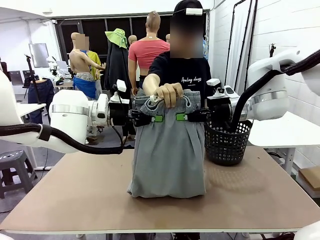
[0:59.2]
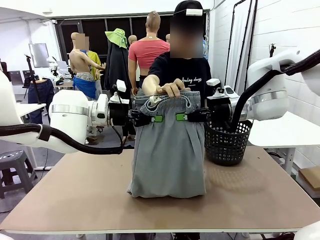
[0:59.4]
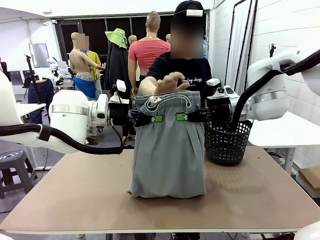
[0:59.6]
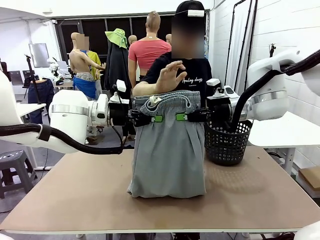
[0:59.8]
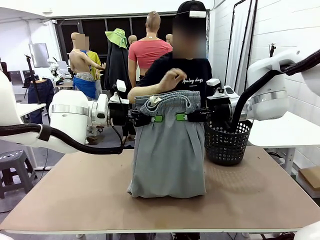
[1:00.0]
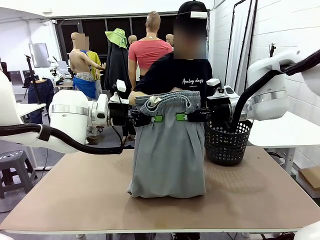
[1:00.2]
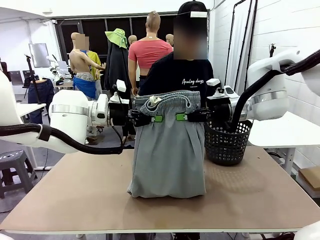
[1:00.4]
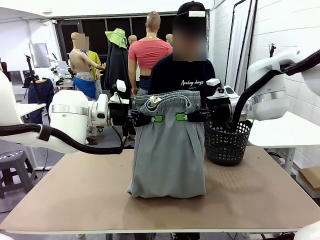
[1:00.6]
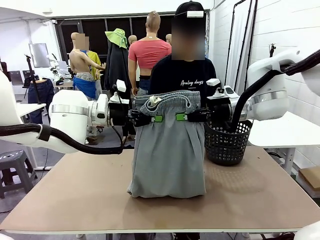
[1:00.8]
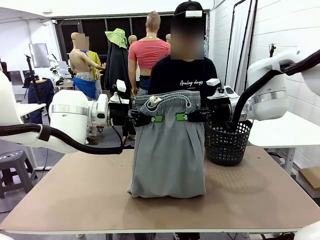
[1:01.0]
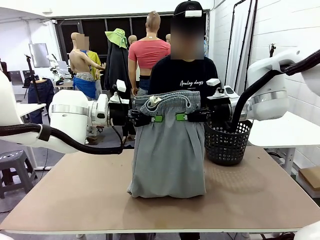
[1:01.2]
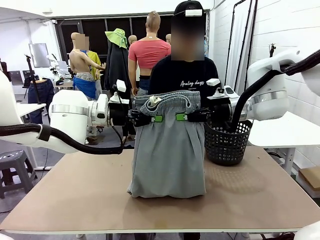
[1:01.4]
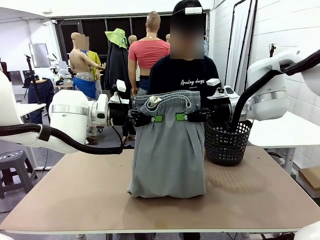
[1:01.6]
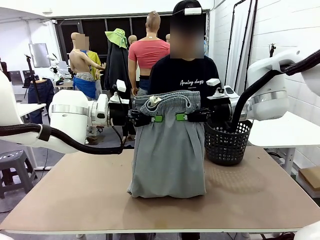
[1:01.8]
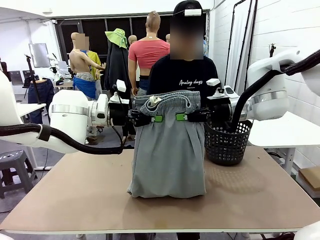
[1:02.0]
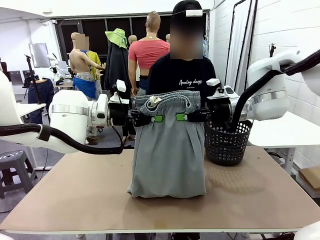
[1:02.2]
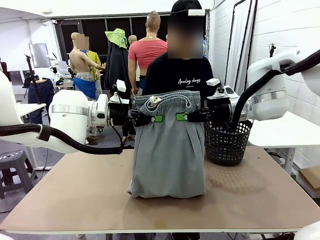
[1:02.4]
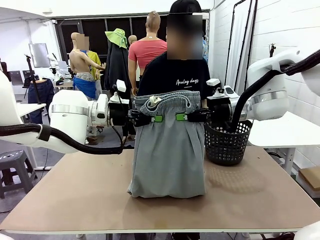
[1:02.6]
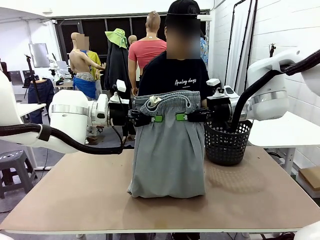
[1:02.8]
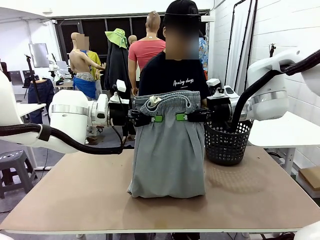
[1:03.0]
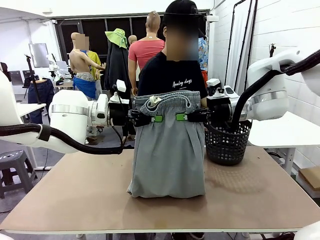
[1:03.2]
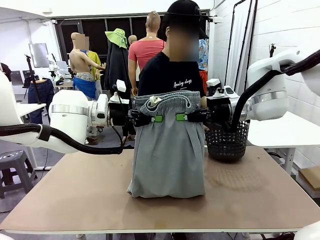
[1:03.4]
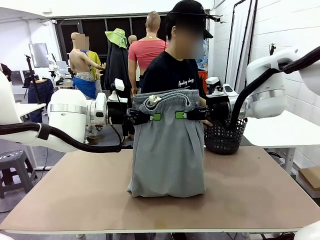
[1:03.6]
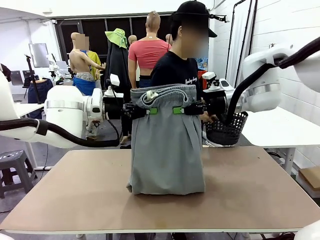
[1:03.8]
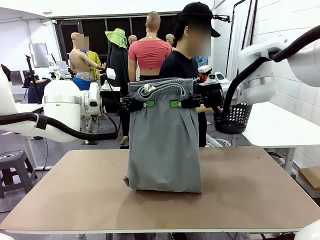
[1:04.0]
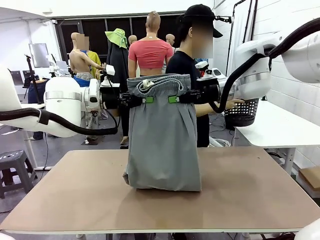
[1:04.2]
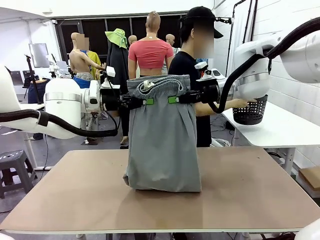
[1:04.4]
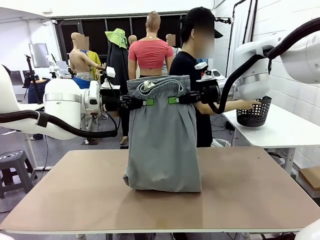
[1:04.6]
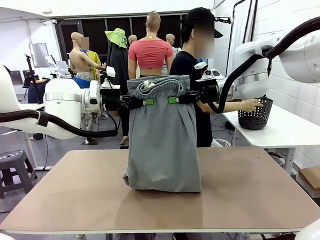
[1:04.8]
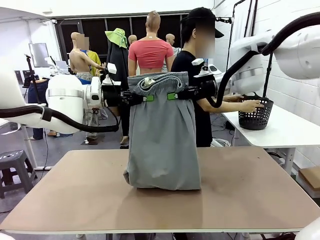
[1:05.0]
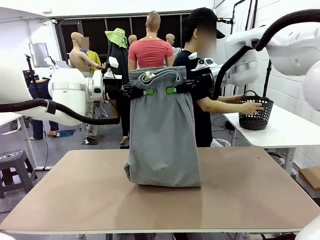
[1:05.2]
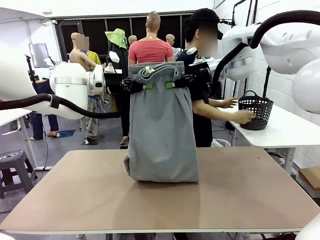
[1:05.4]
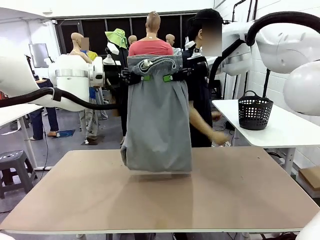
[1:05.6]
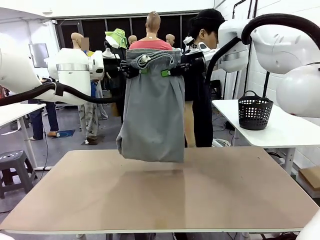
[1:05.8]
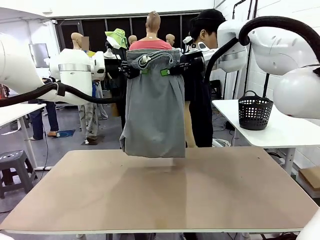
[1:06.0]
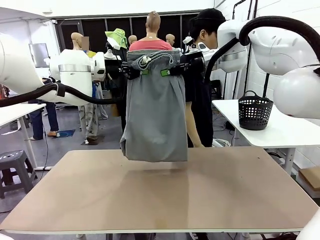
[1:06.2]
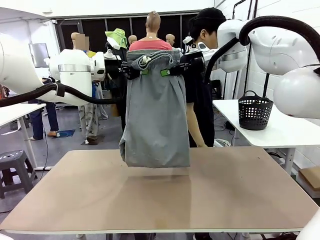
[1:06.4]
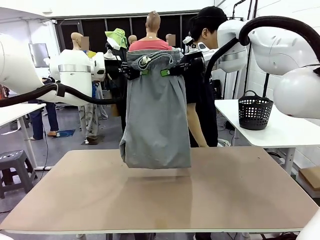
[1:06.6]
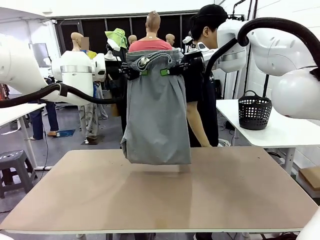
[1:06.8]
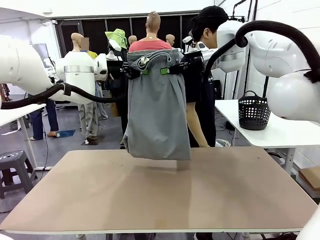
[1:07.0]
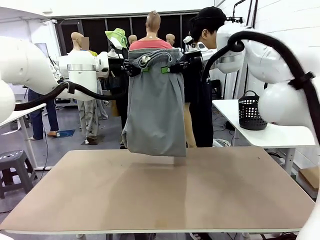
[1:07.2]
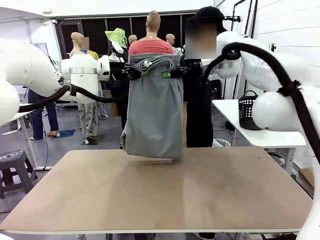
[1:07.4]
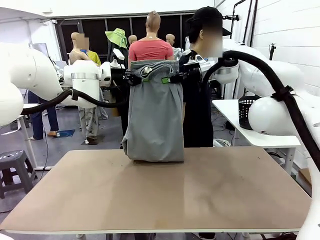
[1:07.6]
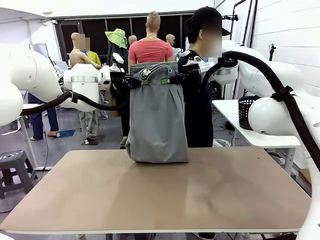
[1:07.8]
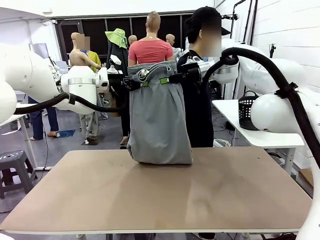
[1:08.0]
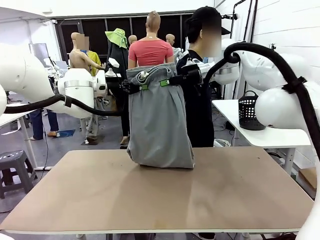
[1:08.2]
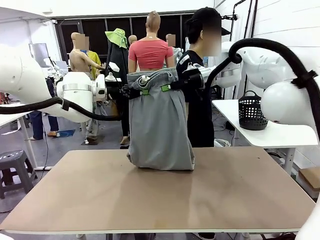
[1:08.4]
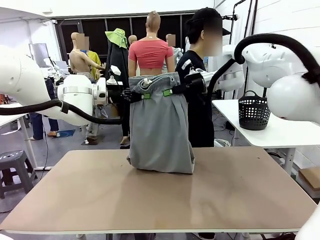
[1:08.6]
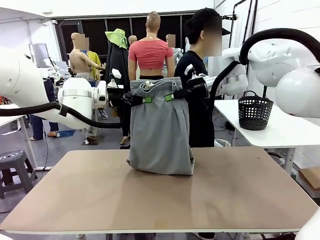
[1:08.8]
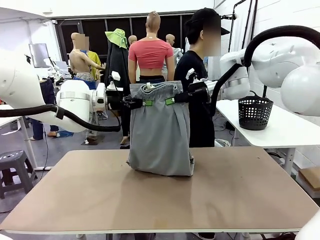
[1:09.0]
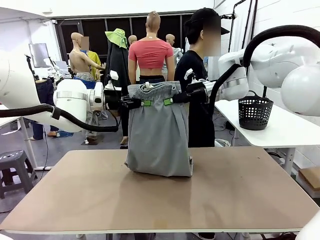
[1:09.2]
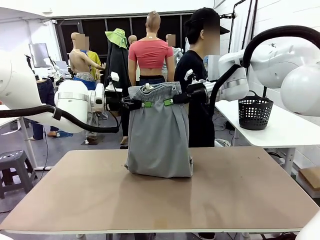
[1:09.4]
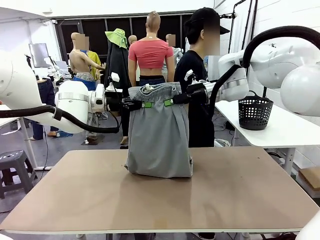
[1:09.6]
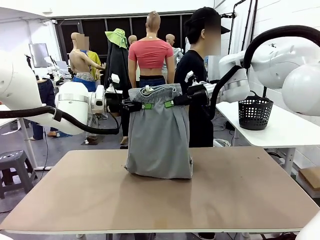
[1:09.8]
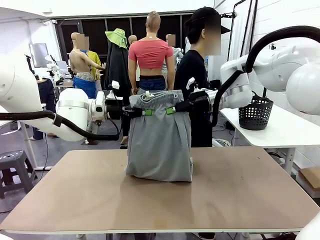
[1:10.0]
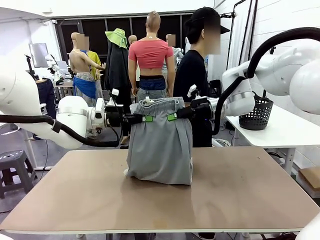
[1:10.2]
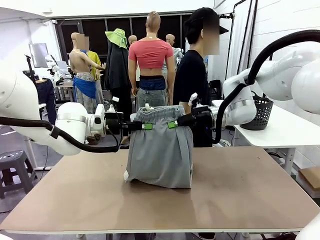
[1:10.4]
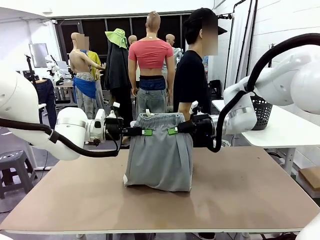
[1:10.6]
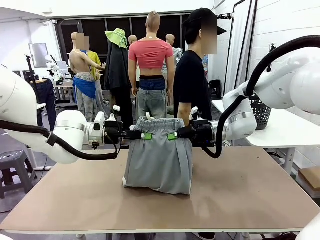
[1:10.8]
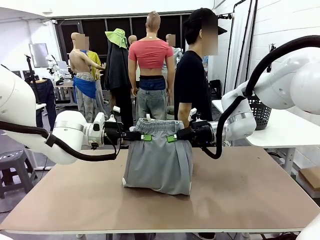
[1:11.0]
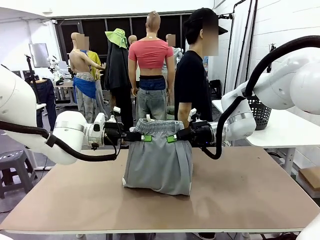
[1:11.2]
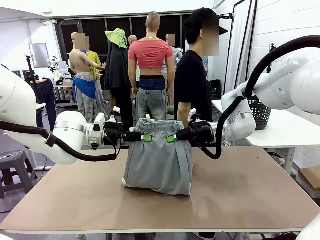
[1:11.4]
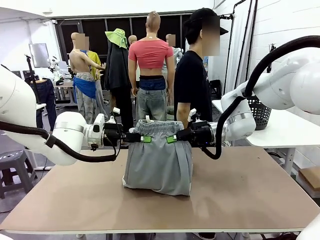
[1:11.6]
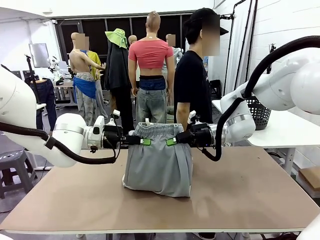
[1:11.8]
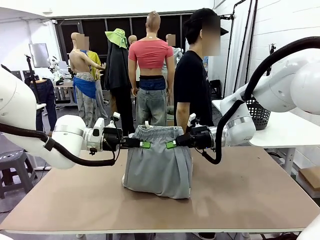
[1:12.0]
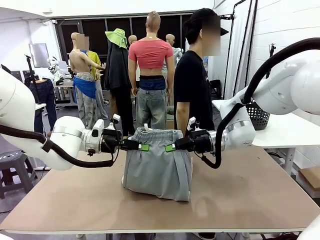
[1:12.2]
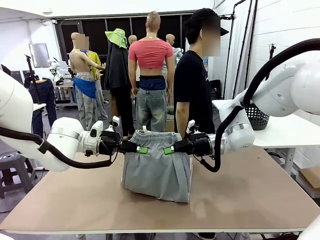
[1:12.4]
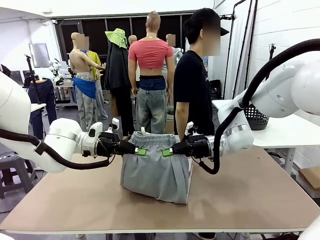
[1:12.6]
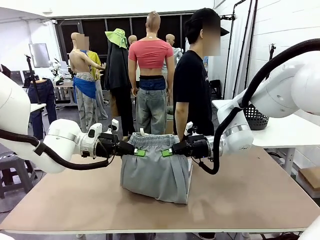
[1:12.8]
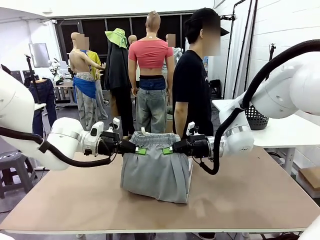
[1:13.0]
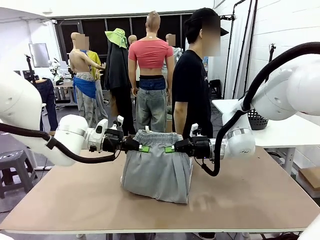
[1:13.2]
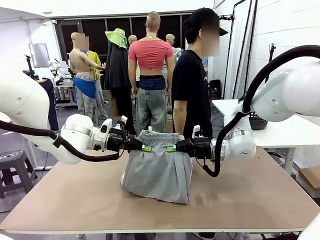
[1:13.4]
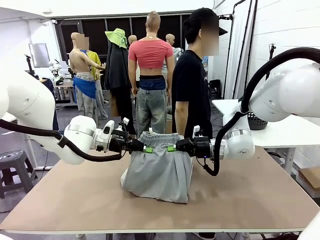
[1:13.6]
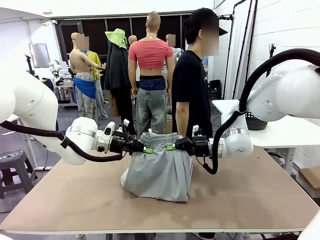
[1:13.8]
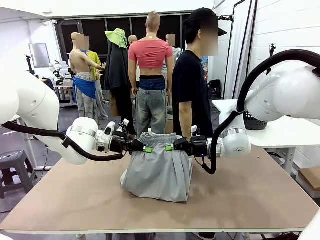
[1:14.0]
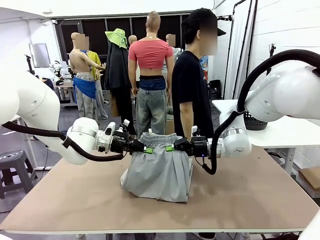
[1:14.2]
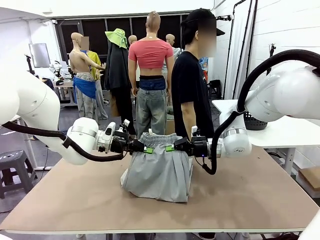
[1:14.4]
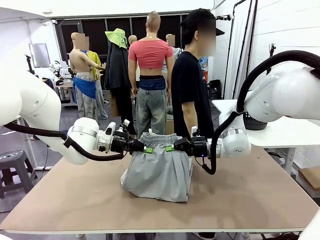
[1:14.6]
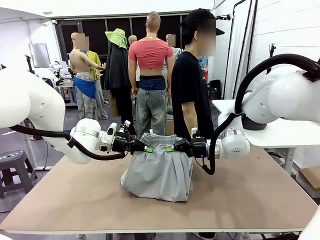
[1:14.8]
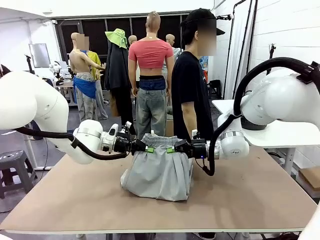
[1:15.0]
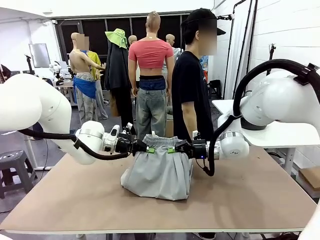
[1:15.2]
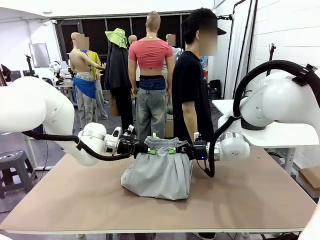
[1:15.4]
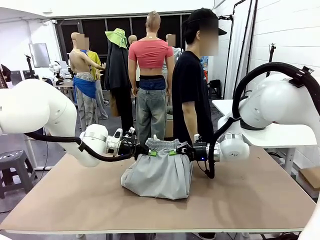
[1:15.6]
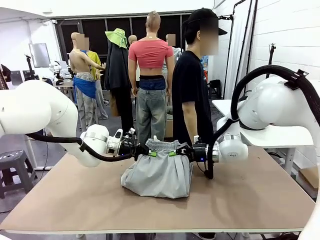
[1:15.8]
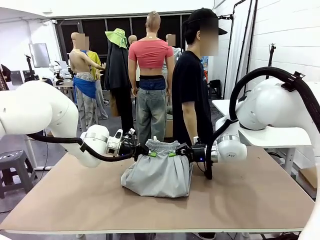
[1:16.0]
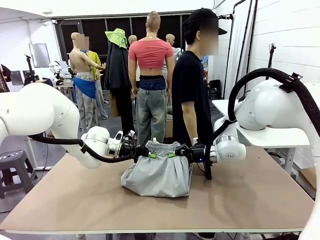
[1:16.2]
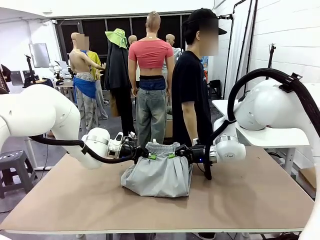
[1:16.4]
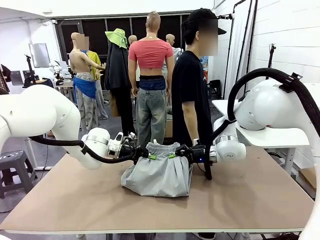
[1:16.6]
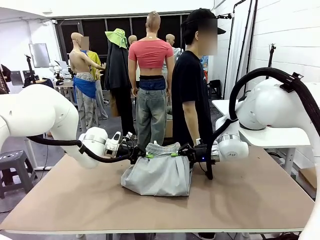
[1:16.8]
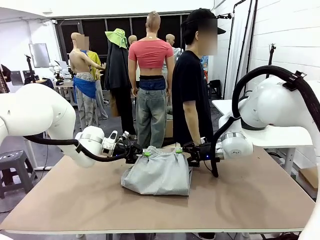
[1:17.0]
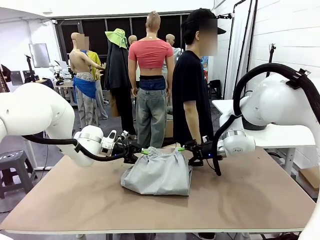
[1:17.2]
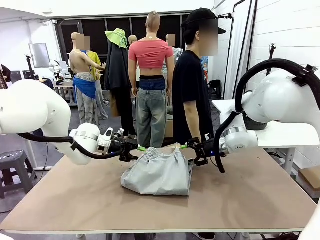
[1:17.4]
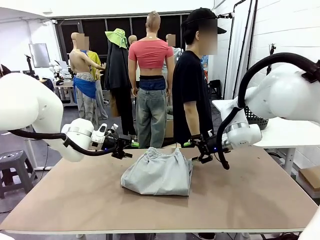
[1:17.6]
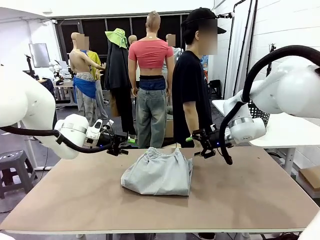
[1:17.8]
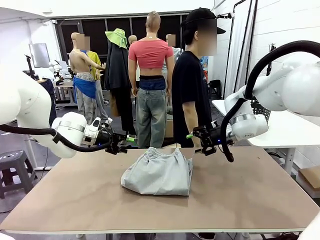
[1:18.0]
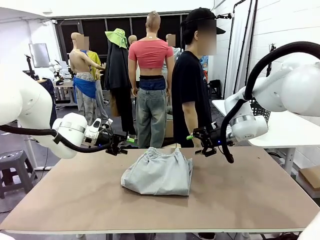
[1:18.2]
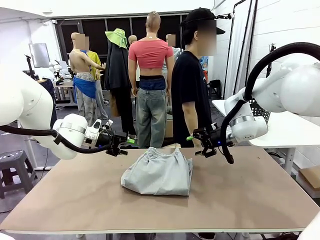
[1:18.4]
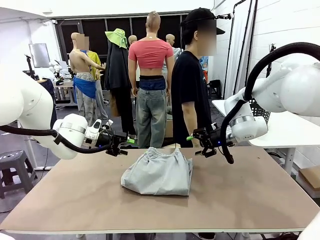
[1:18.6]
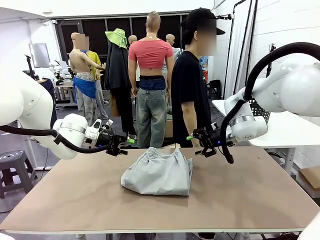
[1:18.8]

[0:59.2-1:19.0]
Task: Fold the training pants.
Robot: Fold the Training pants in half.
Person: Move the laundry basket to the right of the human table.
